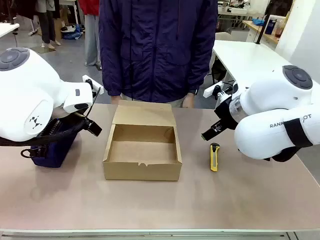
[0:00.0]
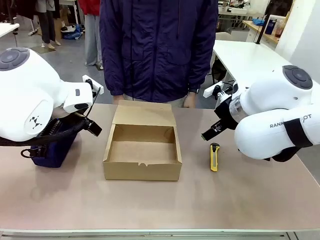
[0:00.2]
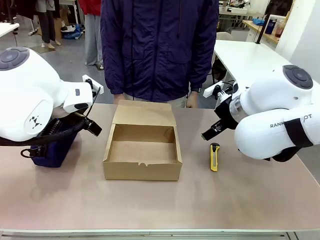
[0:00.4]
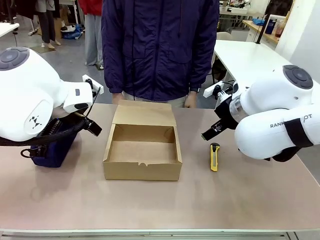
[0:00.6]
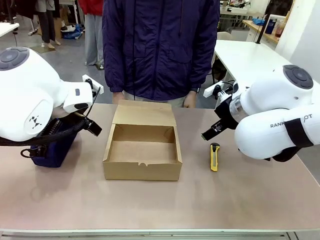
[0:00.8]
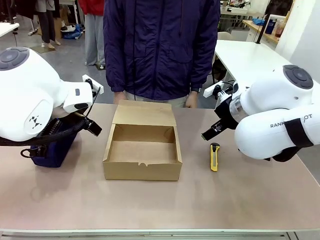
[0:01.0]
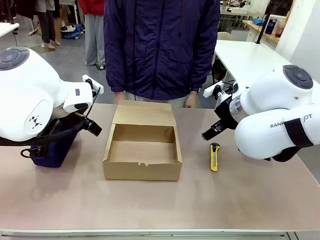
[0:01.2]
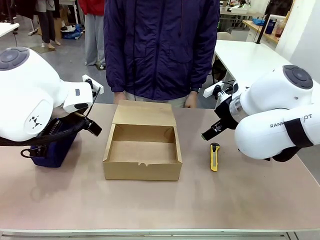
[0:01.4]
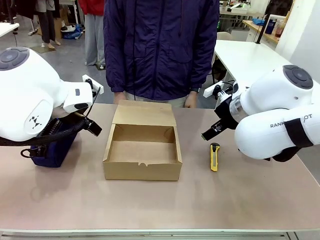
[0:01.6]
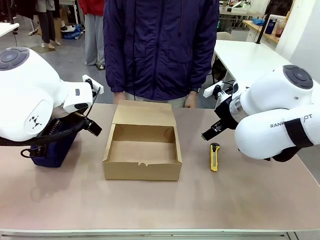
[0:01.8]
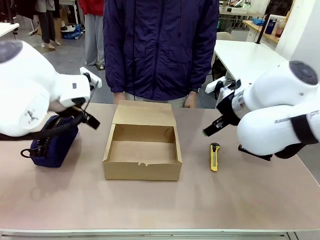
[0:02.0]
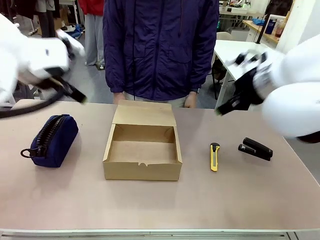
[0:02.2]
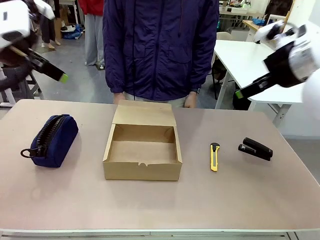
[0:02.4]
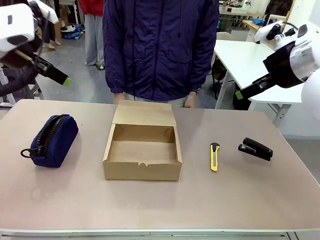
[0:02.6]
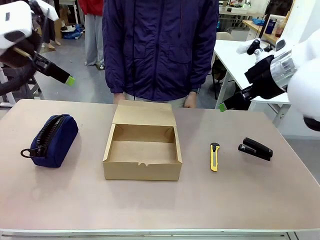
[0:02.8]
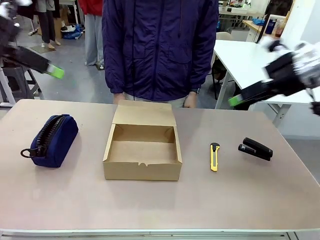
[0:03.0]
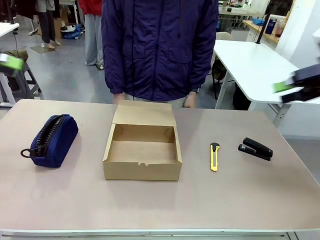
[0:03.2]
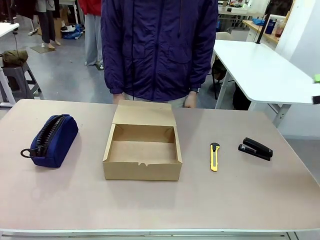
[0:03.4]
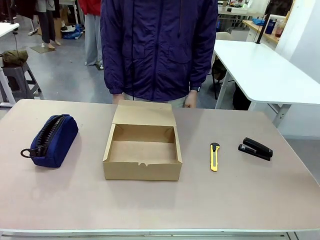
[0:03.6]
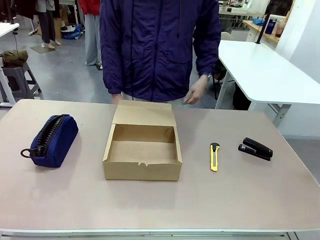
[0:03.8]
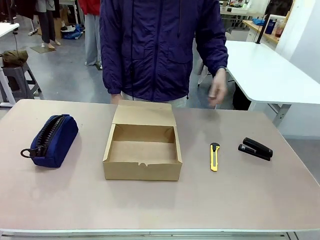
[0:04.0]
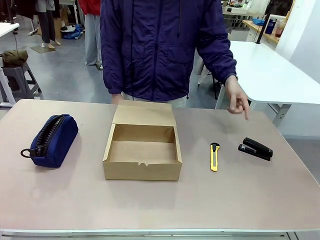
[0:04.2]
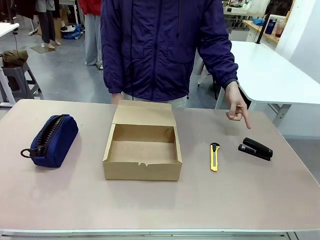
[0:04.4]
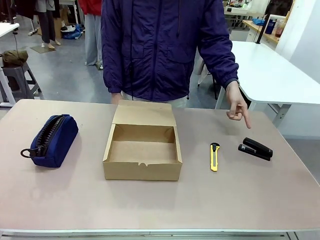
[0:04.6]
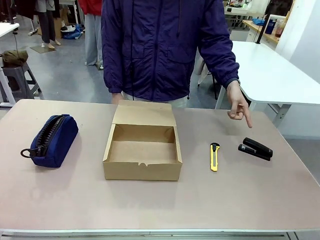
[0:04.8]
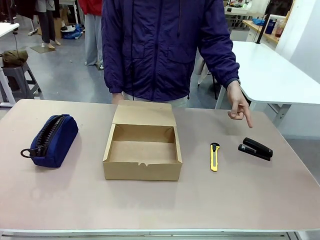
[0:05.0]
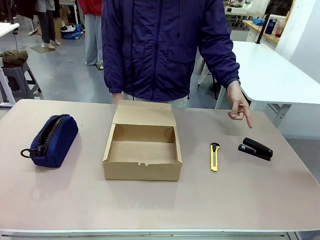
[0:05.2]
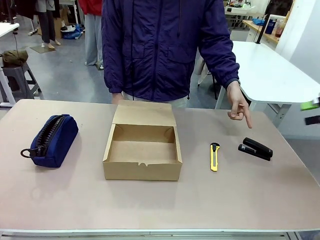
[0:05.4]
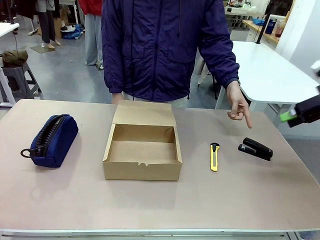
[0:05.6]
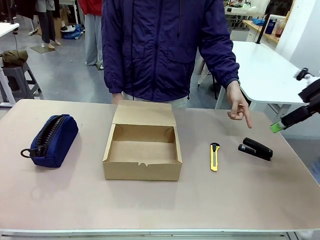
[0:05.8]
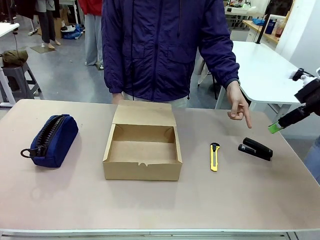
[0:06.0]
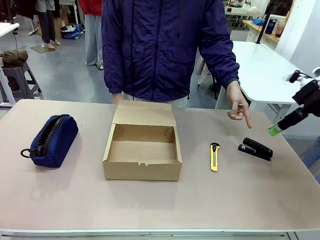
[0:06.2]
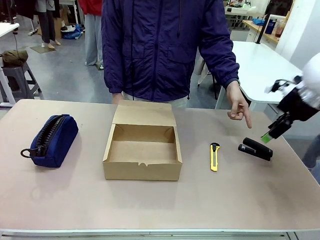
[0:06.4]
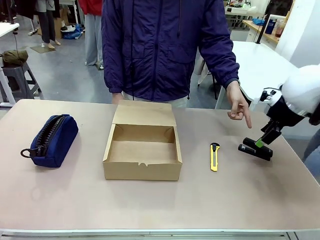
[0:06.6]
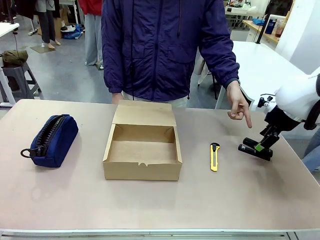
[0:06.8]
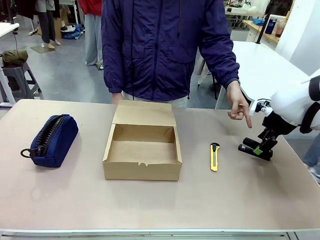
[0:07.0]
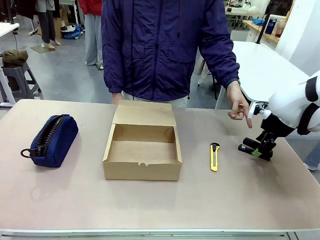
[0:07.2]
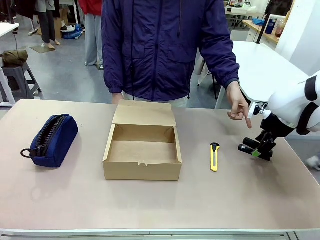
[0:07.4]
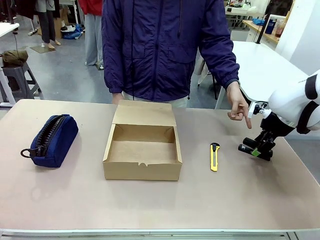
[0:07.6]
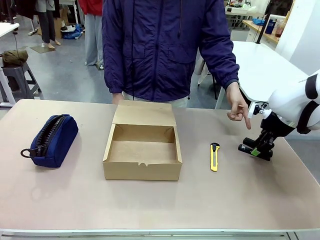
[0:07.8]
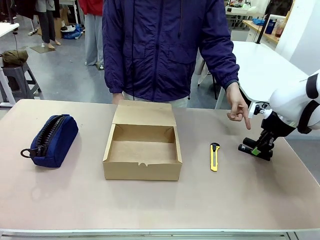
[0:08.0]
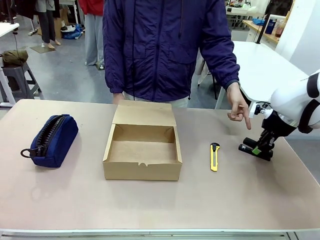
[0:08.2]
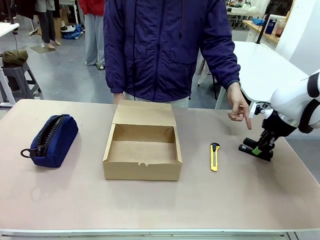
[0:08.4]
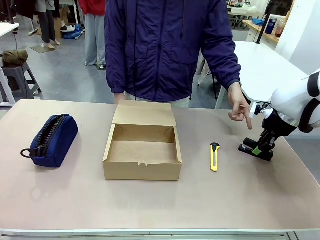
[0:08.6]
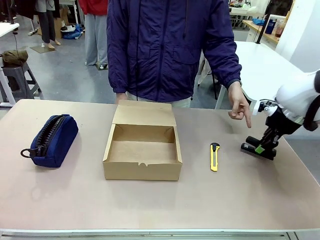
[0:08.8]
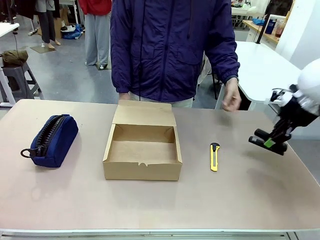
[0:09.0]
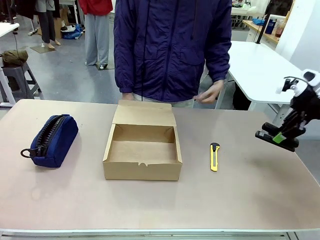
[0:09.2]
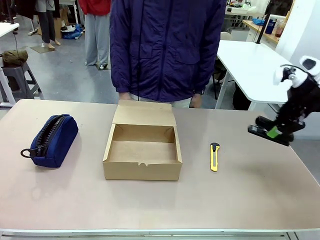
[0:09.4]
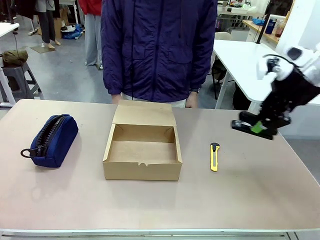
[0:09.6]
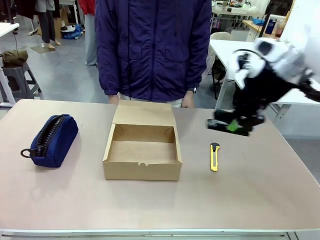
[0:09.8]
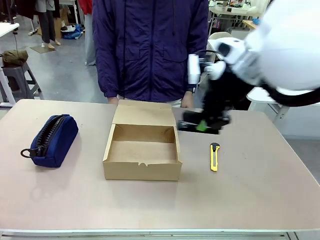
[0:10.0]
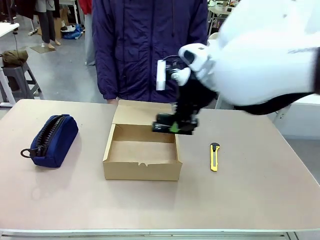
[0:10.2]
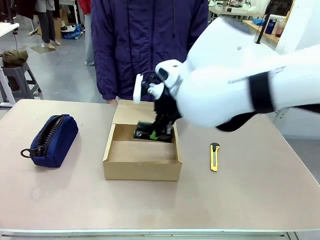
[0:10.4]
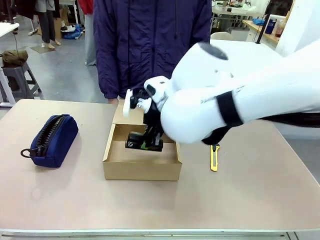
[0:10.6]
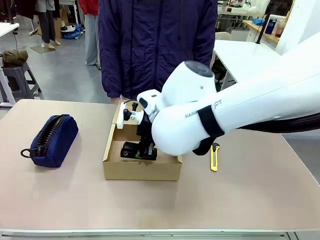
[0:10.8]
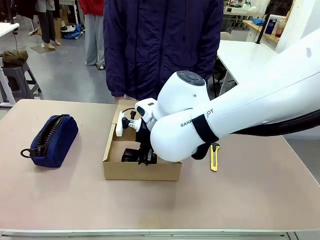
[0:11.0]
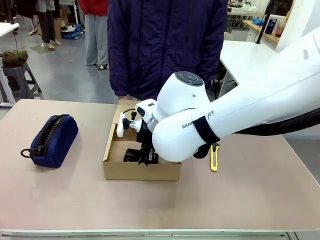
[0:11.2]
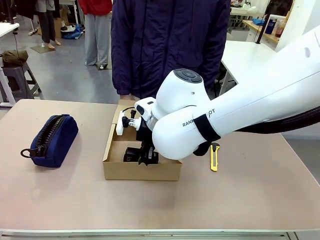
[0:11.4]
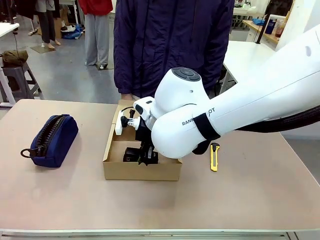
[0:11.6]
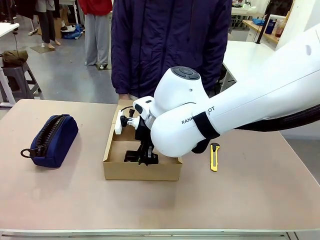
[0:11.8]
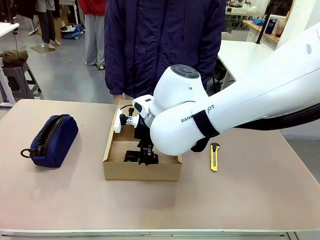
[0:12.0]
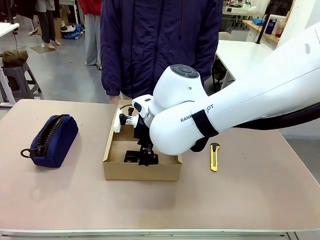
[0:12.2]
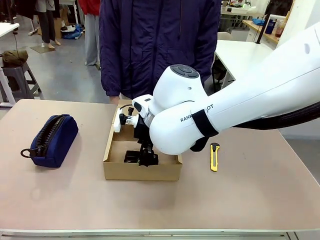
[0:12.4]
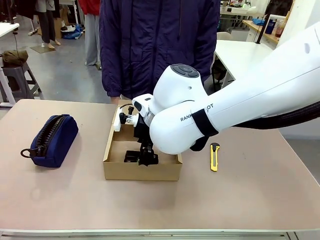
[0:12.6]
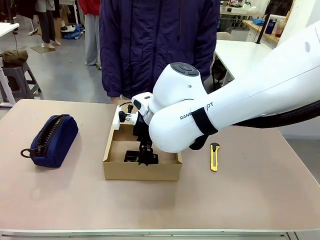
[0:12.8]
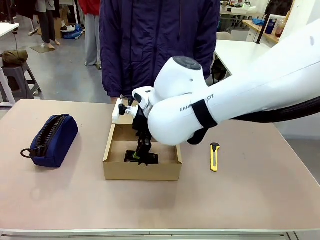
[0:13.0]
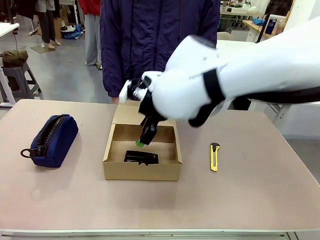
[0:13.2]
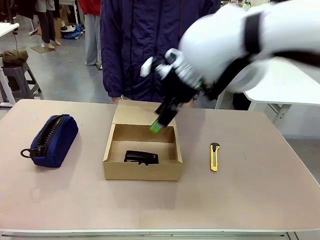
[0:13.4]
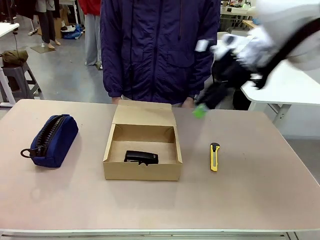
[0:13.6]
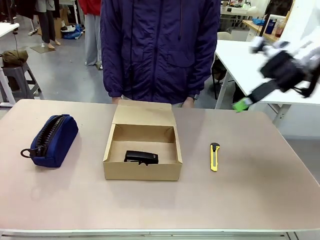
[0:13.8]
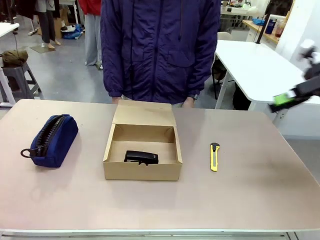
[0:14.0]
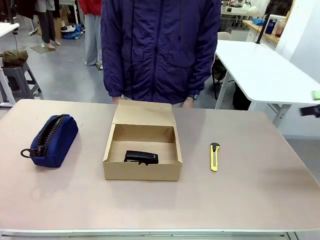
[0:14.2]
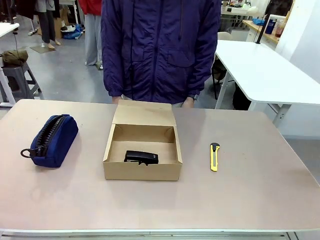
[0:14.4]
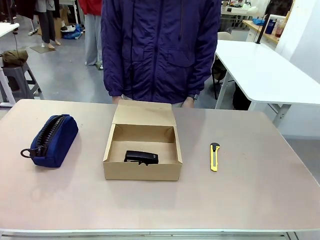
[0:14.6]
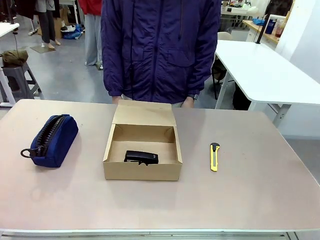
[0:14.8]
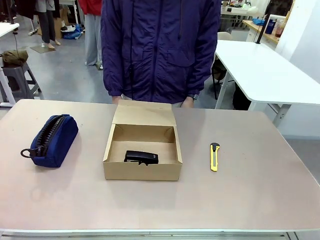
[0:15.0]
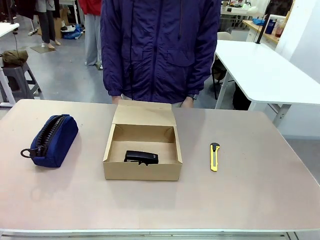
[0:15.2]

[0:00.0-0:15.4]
Task: Pack the item into the box.
Robot: Pick up the item indicated by the person and place it inside the Mailer Box.
Person: Point at one item on the table (excluding the box).
